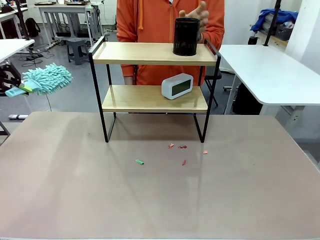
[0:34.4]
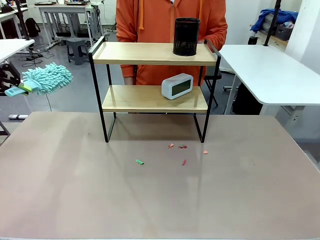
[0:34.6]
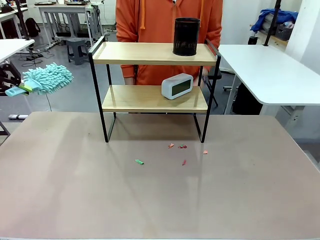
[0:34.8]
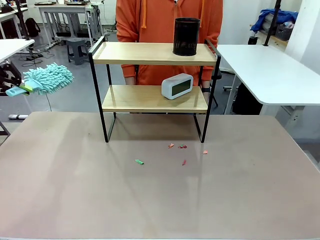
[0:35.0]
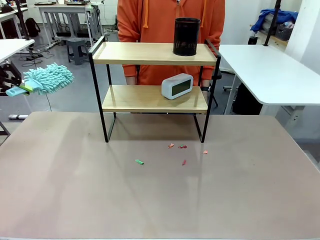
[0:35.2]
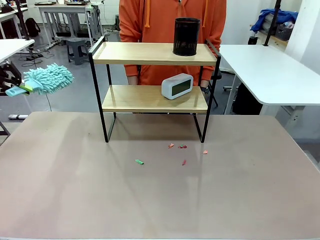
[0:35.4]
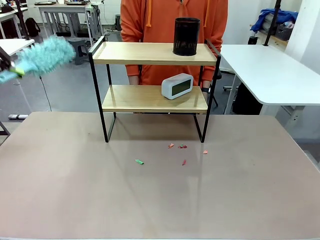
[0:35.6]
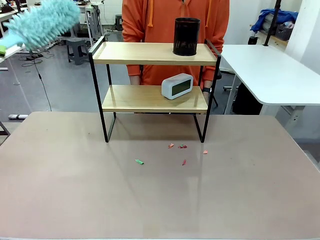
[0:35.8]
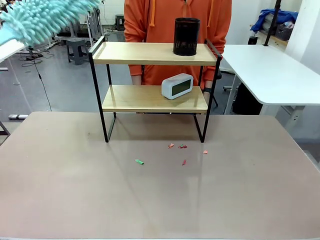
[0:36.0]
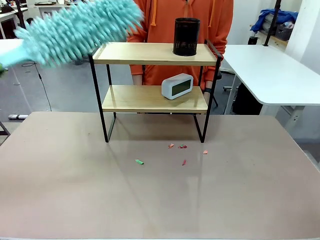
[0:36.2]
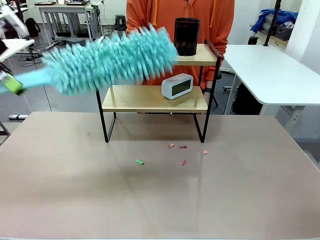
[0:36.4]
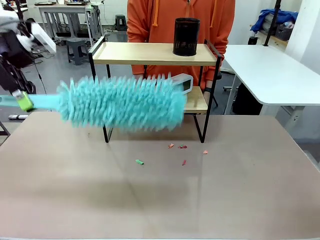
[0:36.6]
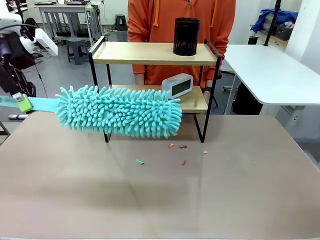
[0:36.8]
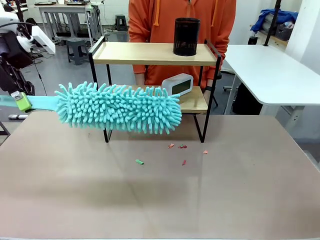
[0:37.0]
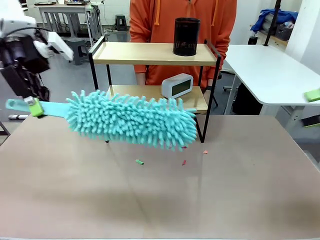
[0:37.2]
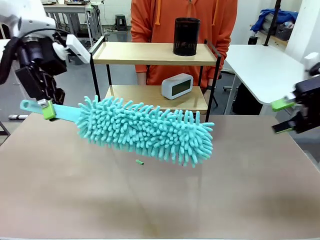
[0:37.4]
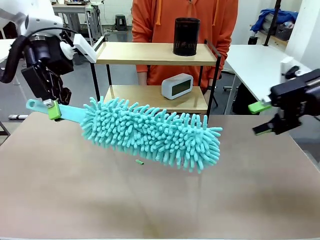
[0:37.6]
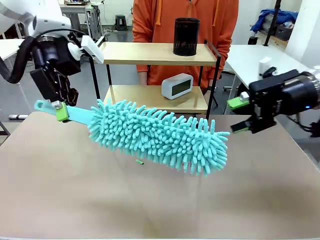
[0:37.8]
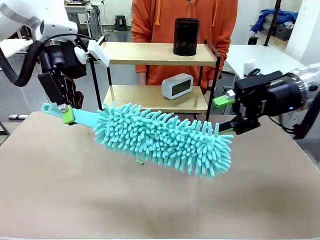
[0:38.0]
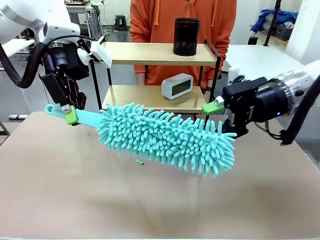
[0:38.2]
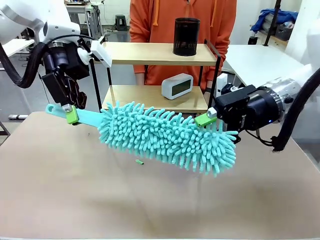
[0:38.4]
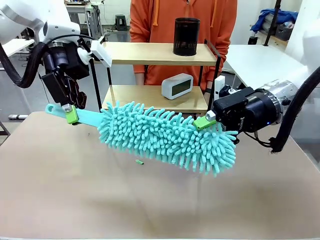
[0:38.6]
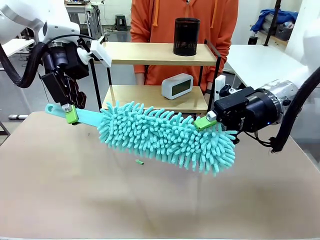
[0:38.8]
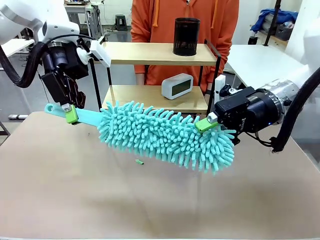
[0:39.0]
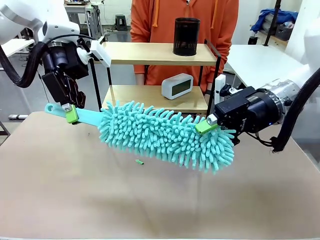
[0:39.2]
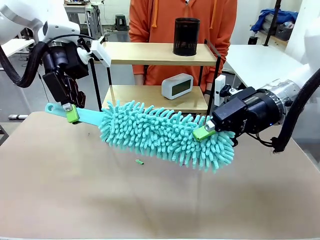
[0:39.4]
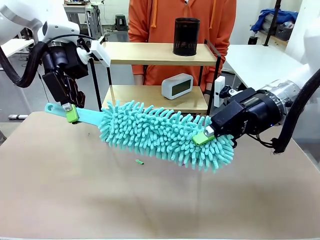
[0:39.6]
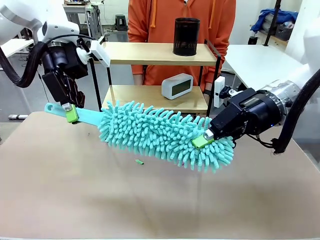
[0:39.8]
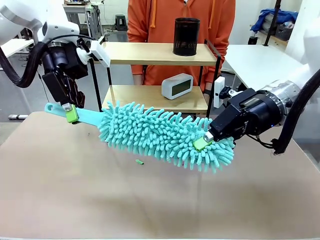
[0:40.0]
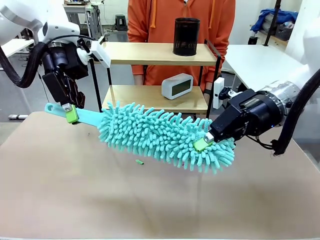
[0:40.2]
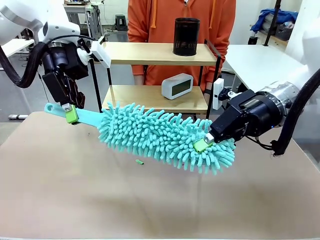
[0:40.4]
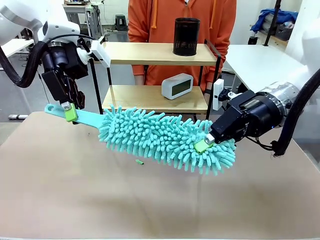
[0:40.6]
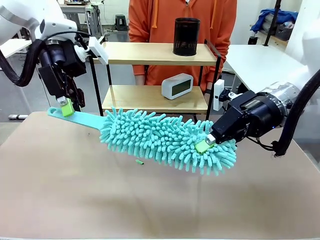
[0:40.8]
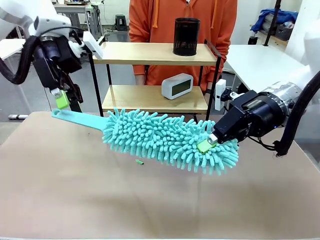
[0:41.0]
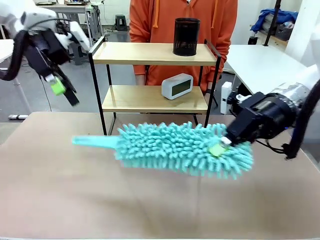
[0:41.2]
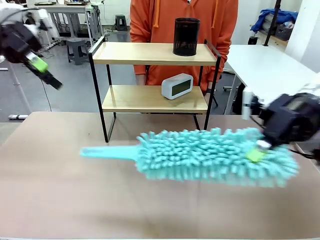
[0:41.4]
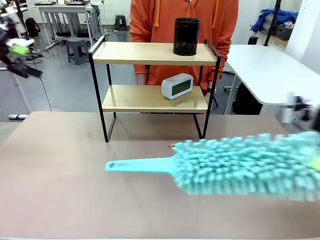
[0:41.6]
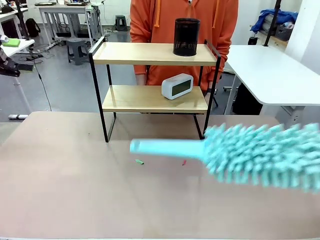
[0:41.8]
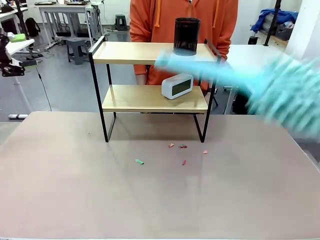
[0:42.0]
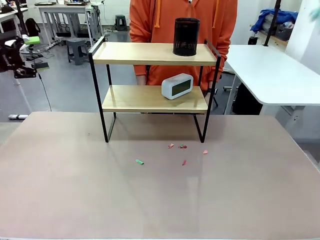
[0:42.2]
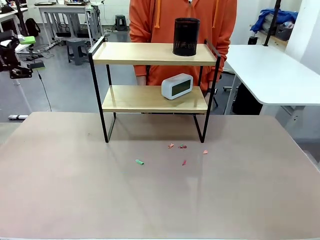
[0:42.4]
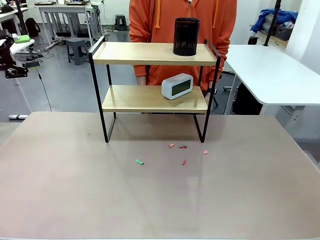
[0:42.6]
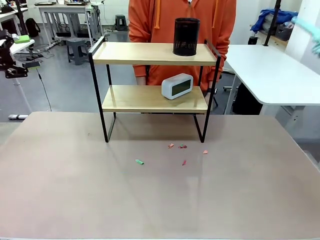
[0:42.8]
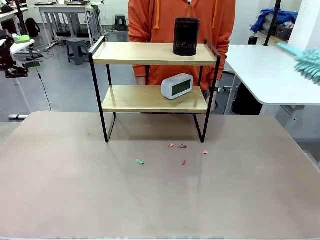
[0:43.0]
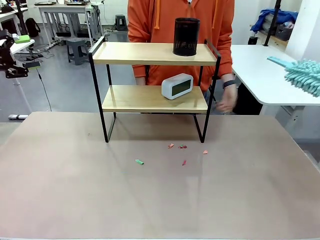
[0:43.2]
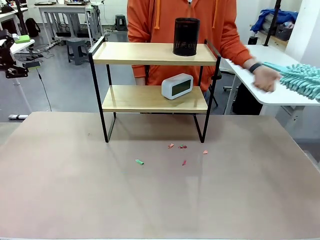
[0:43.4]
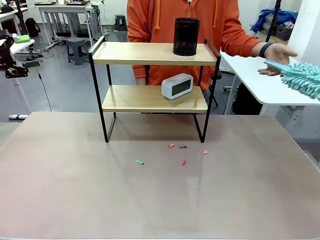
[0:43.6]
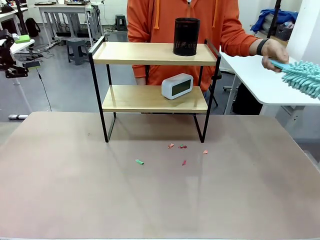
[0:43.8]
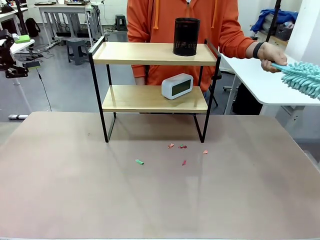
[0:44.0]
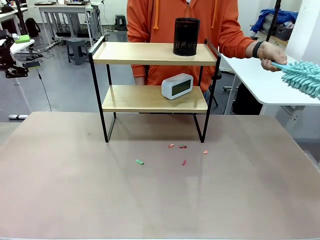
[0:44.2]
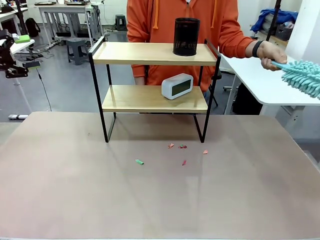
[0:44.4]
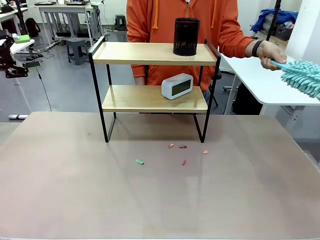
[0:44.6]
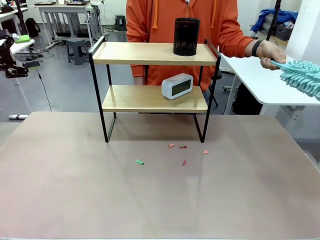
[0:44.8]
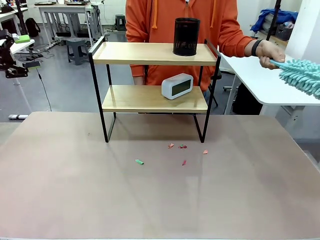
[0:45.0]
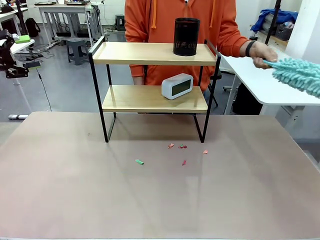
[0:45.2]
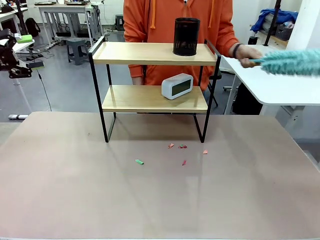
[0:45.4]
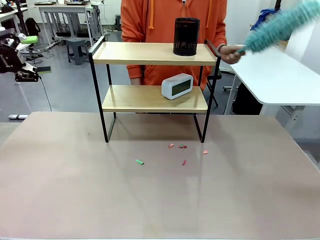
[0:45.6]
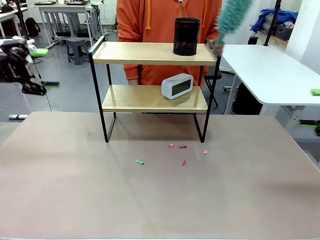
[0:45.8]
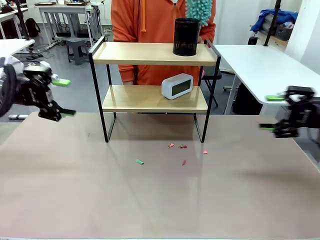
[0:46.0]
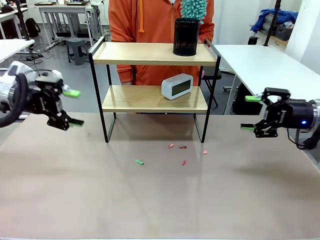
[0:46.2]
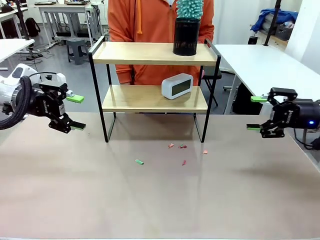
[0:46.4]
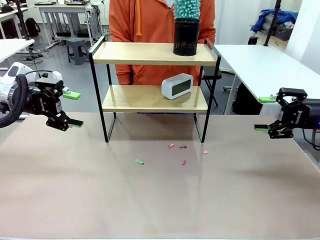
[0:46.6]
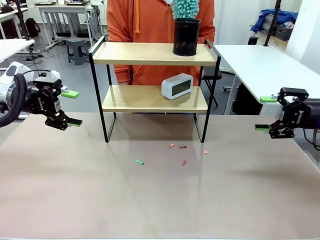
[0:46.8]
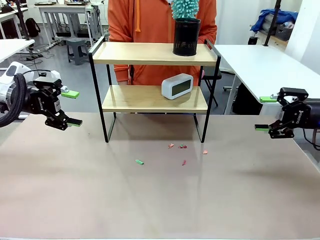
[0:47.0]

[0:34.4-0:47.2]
Task: Clean the shelf.
Robot: Hand the Duster back to the human.
Person: Receive the Duster from the robot.

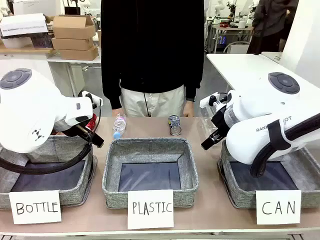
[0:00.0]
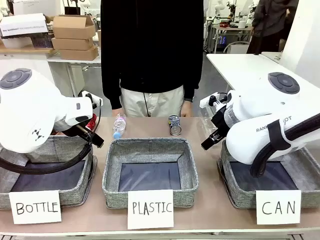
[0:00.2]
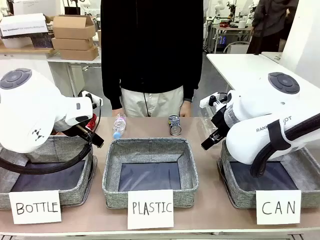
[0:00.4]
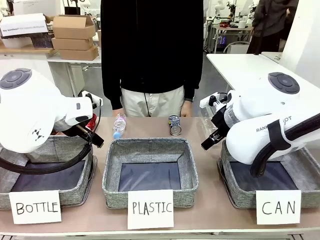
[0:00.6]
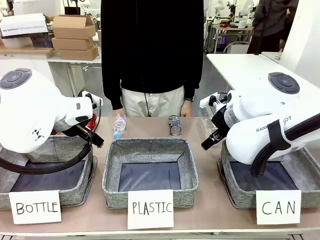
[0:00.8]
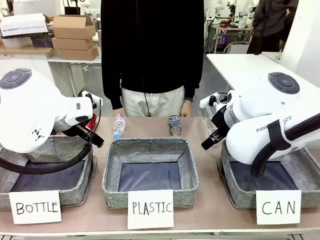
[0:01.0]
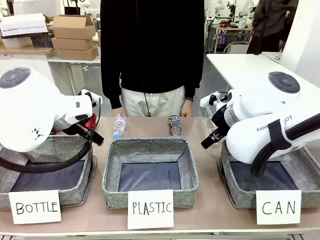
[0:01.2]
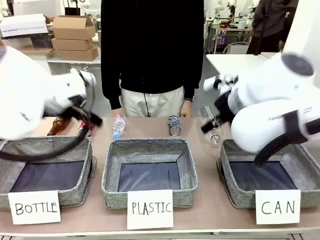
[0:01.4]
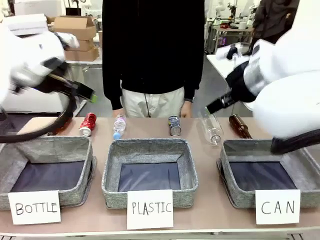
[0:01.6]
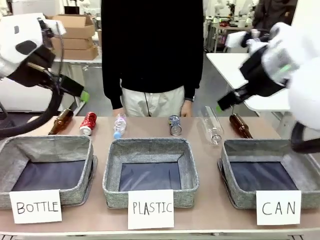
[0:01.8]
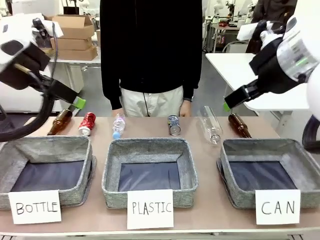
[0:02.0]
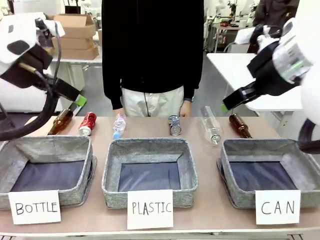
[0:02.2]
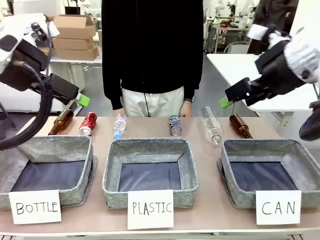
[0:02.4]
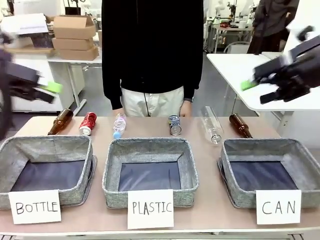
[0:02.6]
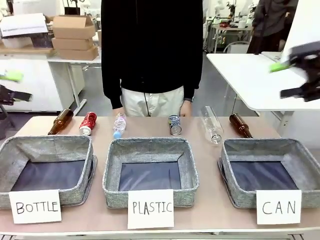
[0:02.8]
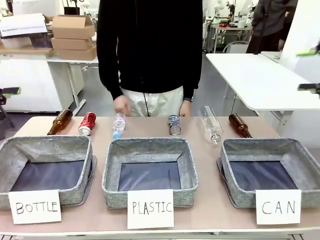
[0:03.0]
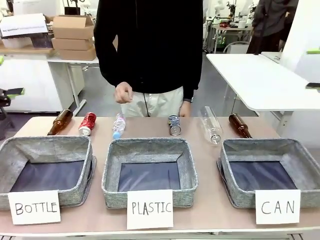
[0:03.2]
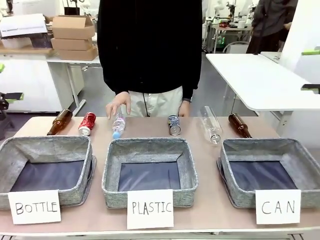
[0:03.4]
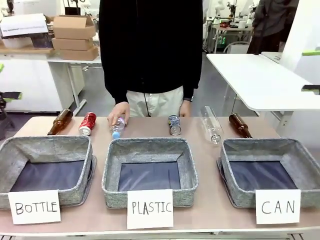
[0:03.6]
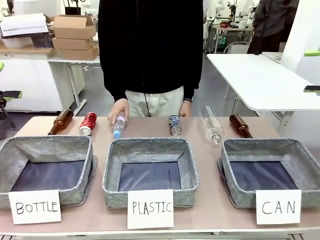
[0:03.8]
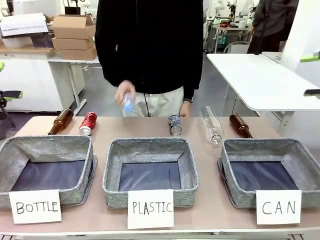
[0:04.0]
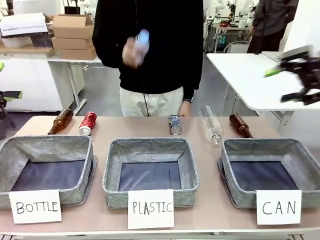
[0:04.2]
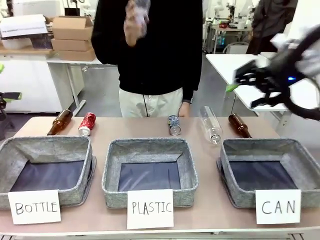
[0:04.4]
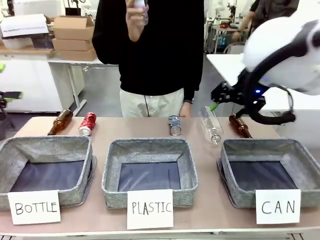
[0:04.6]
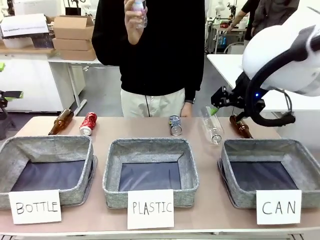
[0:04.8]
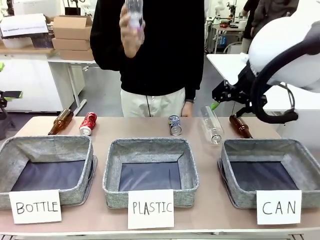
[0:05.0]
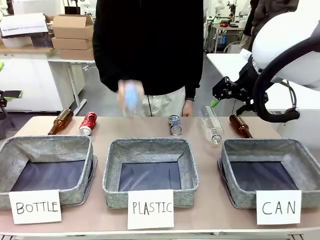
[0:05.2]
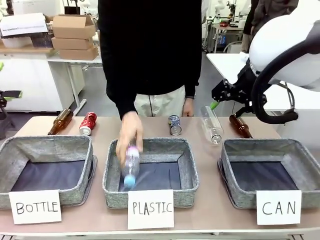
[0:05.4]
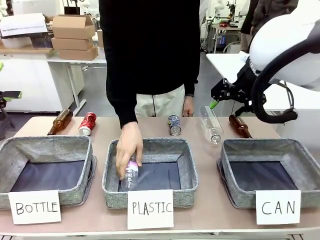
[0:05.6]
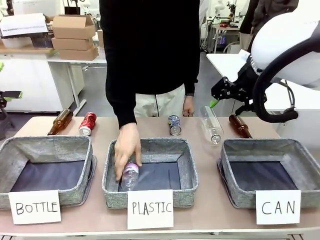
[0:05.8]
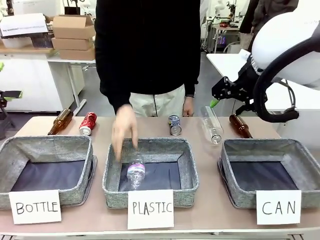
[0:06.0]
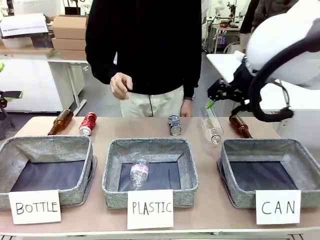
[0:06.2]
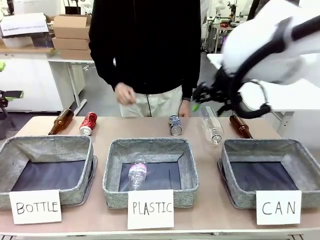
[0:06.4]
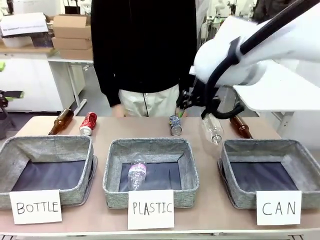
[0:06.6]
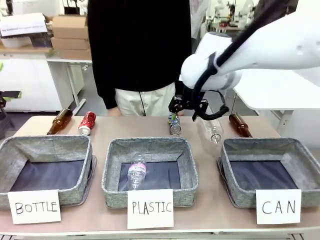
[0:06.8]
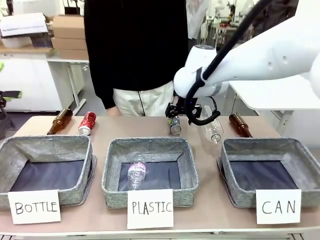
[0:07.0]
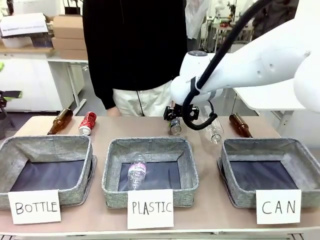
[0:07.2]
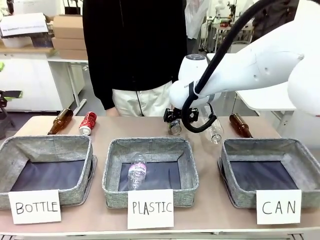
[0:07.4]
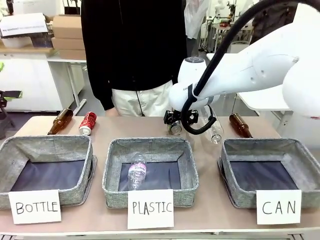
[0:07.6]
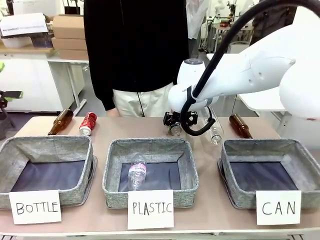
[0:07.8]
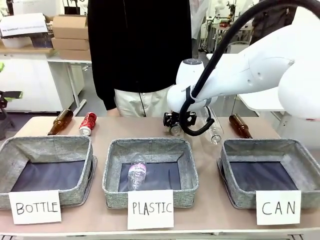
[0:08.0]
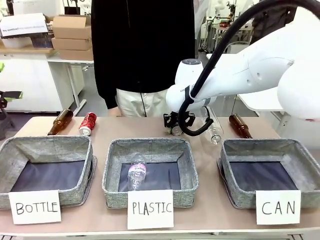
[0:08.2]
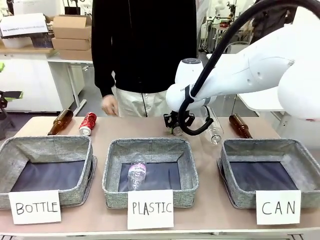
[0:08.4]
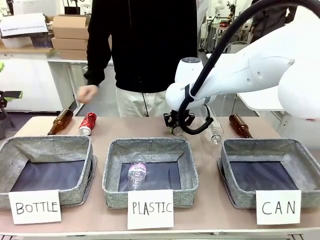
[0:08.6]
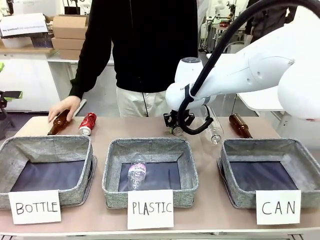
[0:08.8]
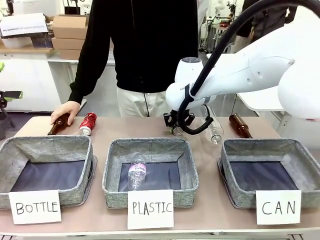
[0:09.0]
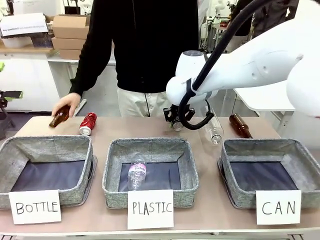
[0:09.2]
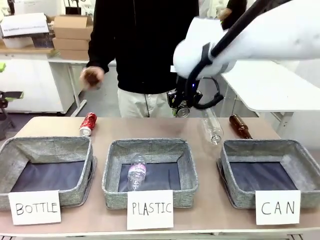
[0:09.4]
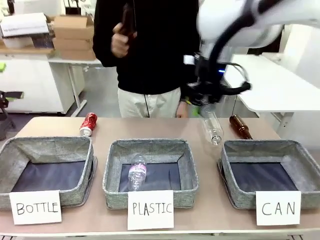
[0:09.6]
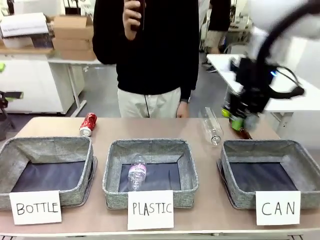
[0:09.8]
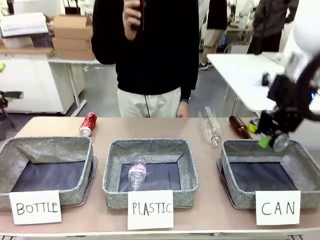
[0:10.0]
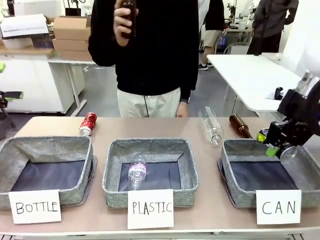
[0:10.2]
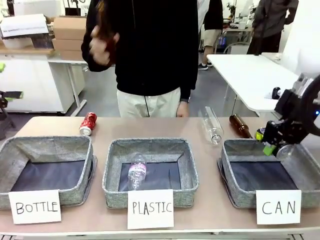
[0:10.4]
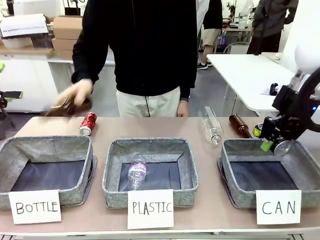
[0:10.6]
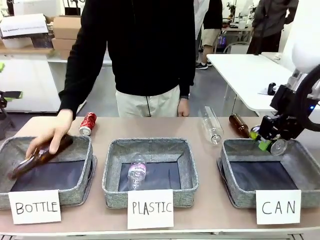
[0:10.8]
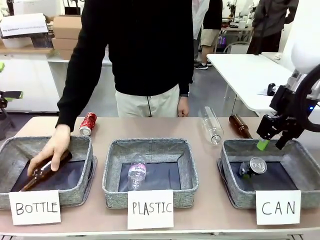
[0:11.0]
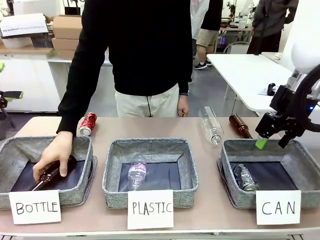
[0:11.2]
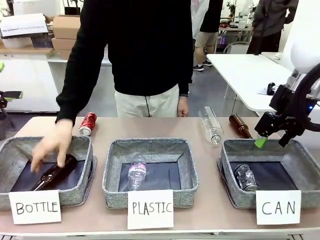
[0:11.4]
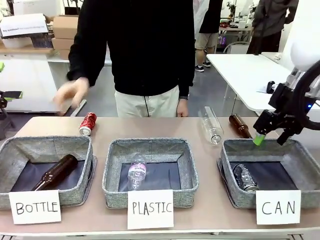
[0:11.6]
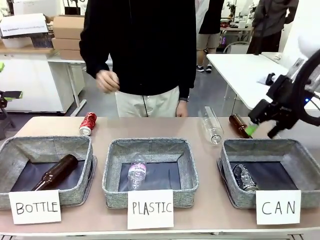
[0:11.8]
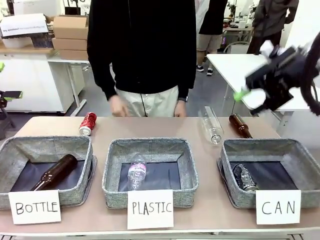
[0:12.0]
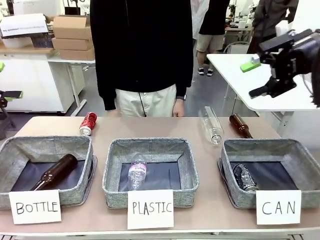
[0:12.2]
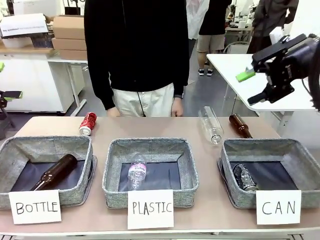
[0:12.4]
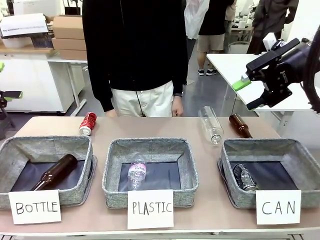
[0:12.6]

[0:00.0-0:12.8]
Task: Sort the can waste into the basket.
Robot: Pick up the can waste from the table and place it in the right Fabric basket.
